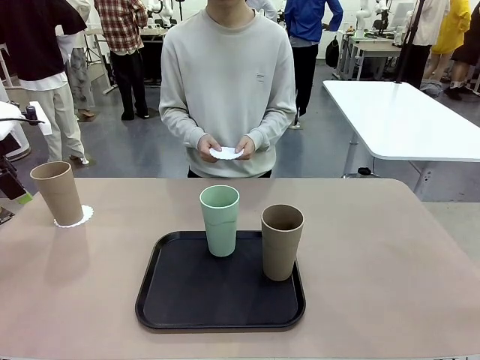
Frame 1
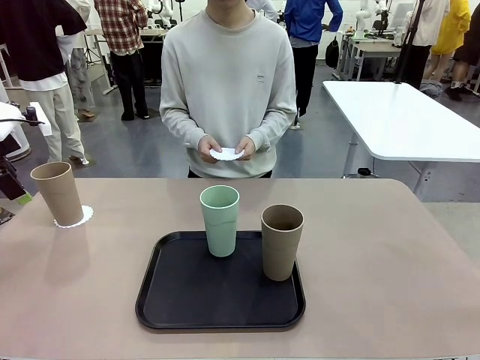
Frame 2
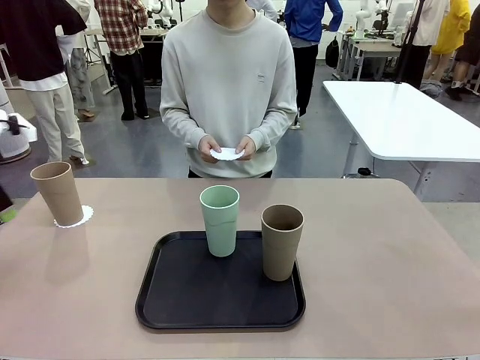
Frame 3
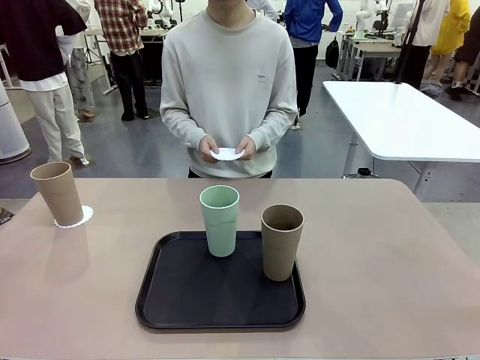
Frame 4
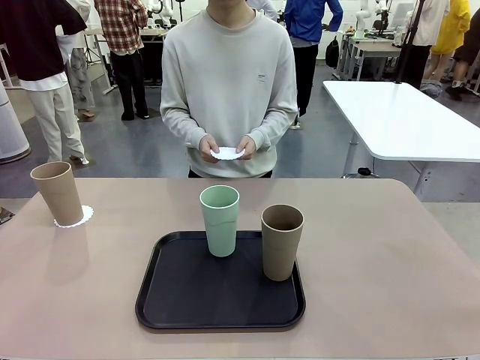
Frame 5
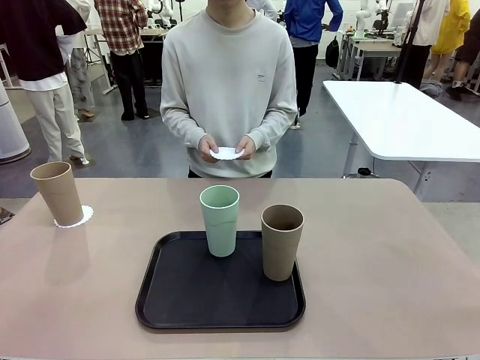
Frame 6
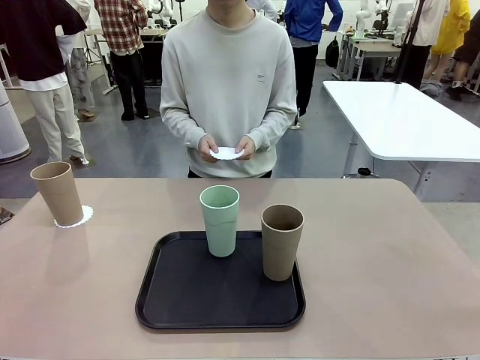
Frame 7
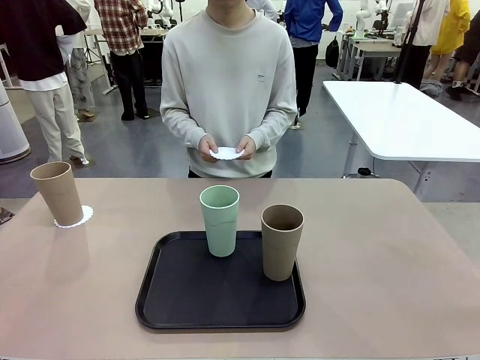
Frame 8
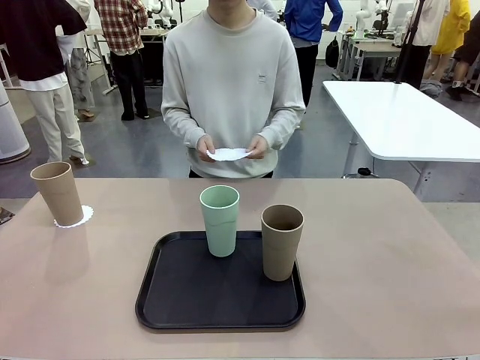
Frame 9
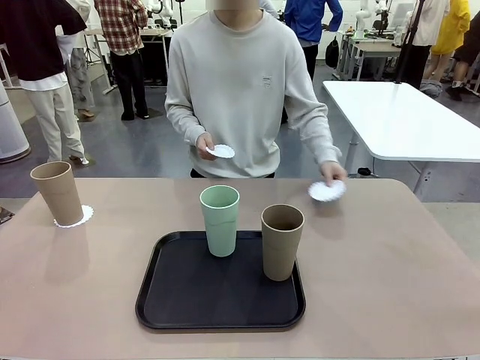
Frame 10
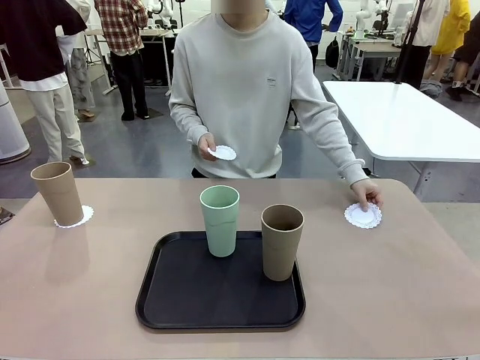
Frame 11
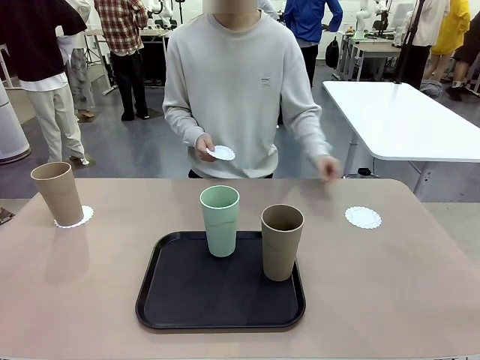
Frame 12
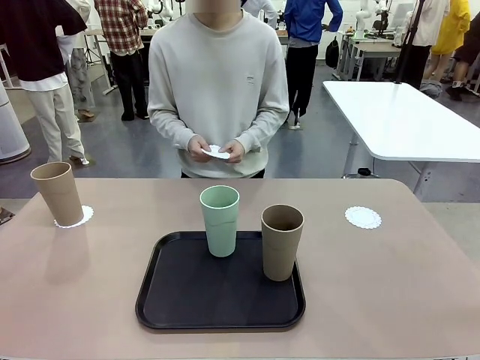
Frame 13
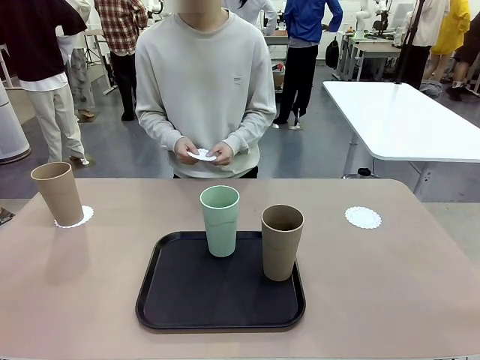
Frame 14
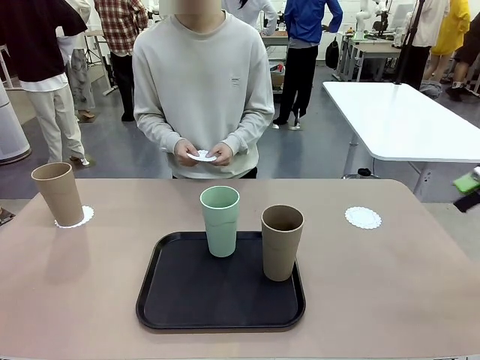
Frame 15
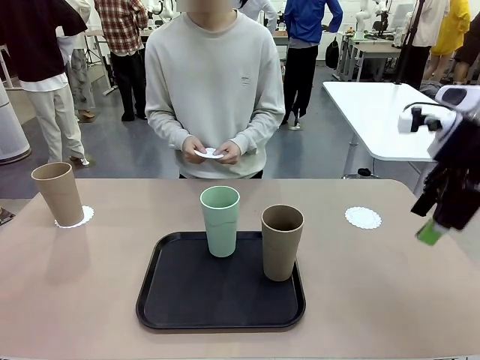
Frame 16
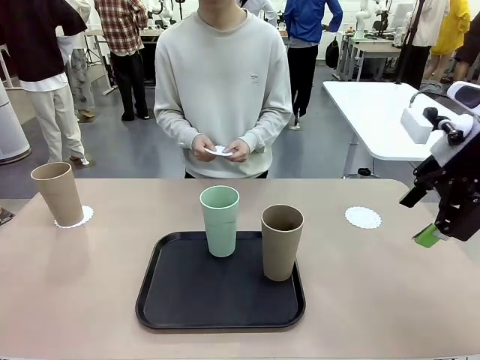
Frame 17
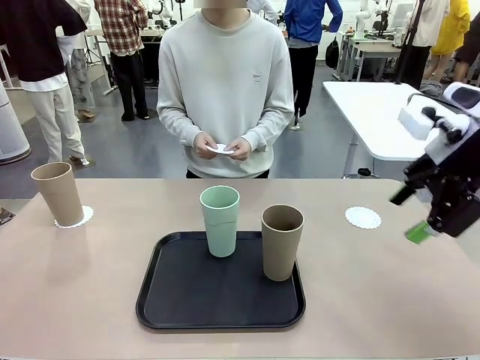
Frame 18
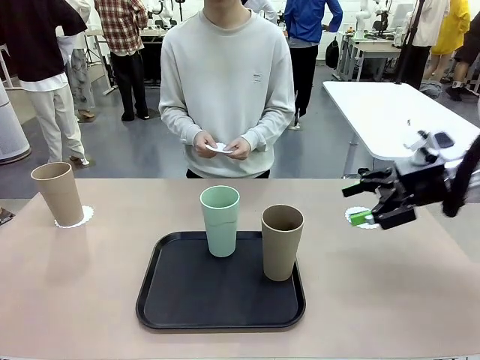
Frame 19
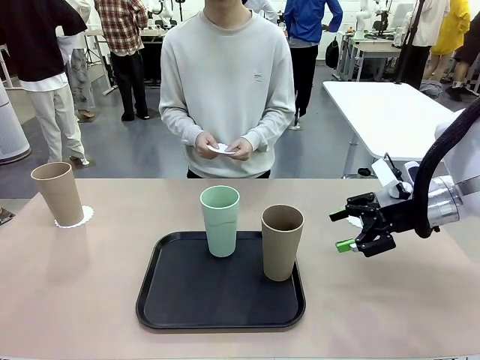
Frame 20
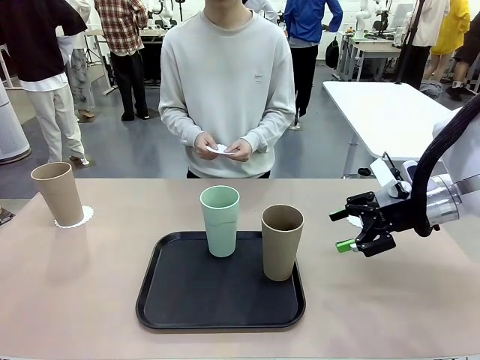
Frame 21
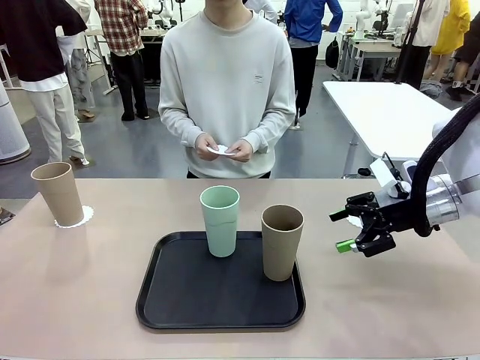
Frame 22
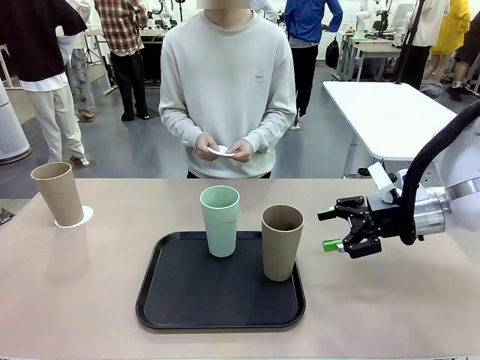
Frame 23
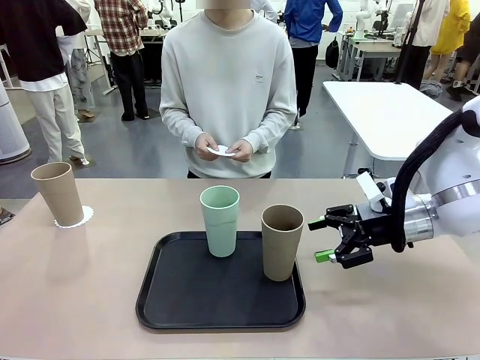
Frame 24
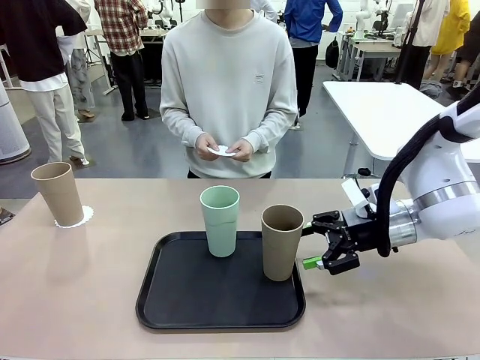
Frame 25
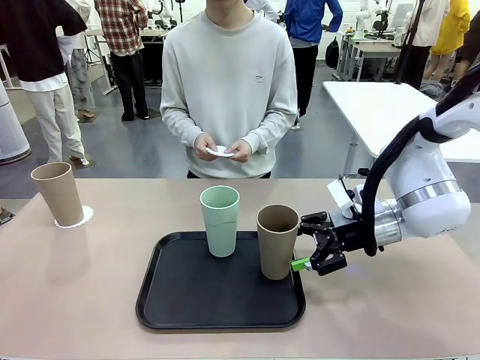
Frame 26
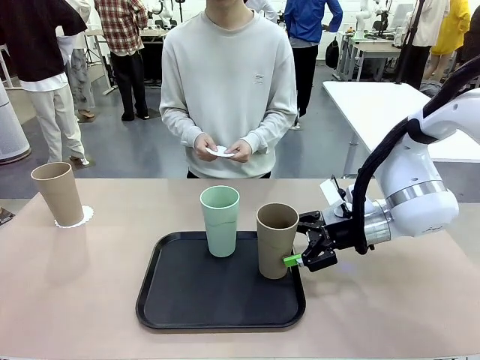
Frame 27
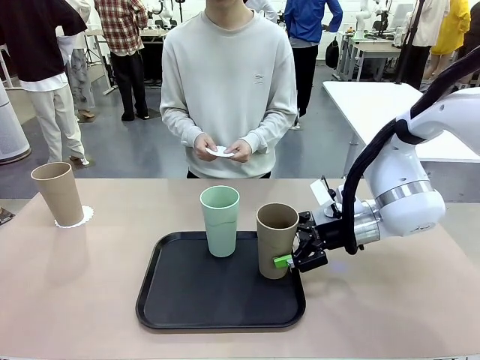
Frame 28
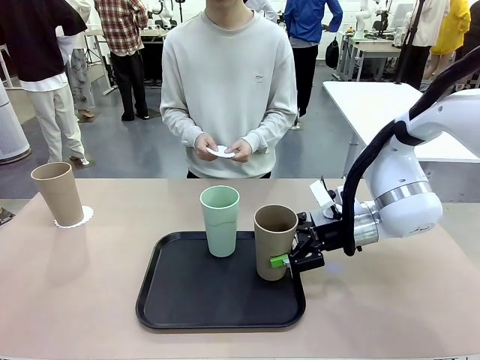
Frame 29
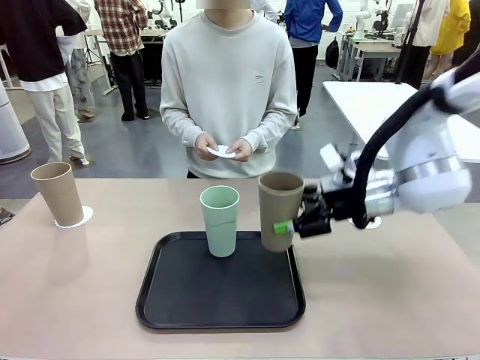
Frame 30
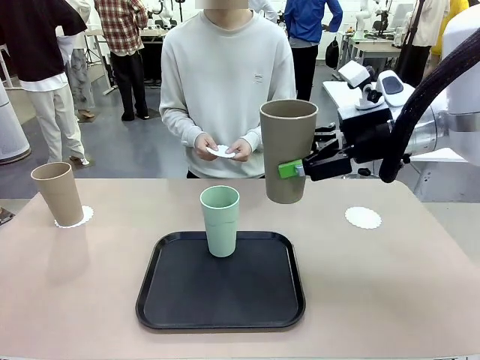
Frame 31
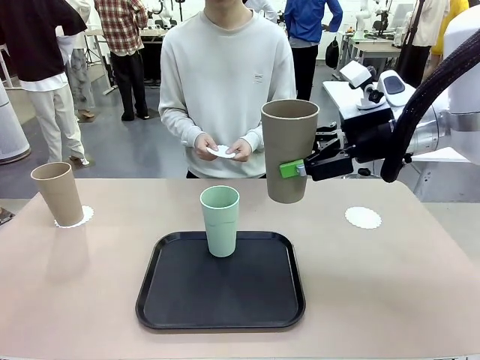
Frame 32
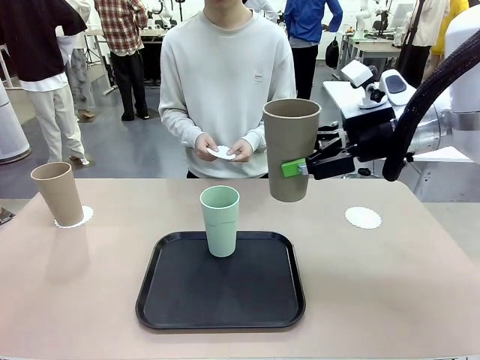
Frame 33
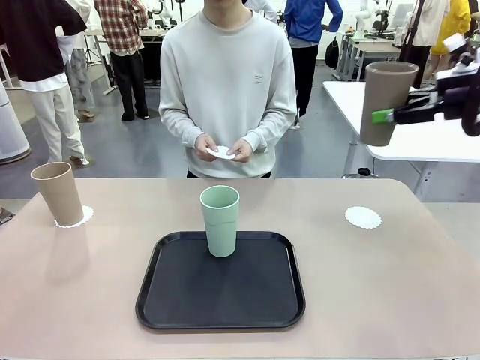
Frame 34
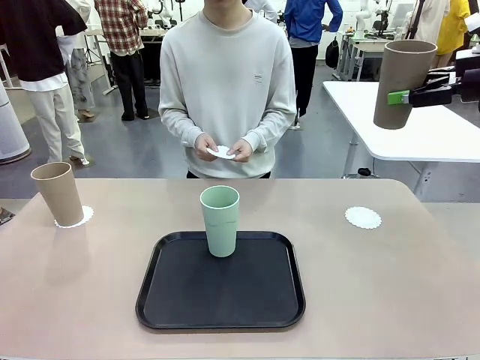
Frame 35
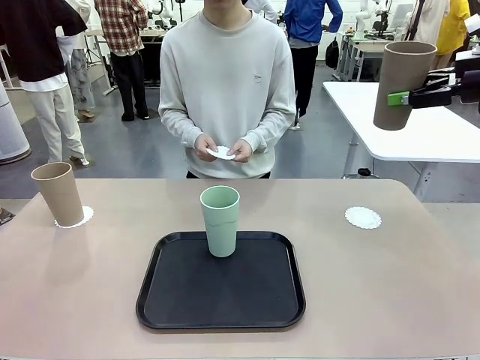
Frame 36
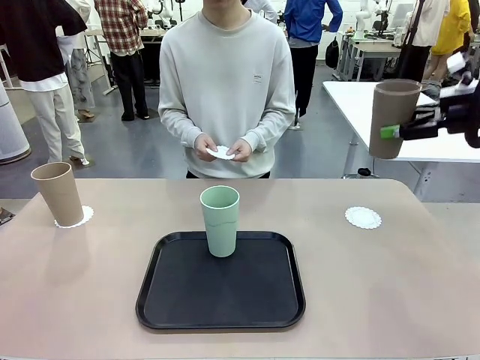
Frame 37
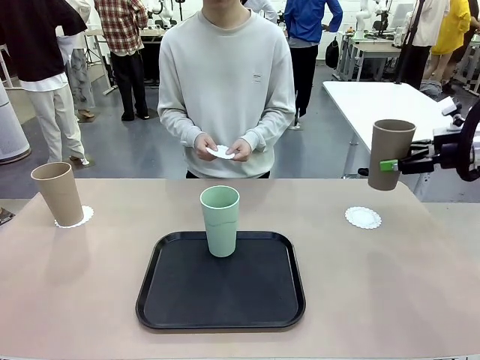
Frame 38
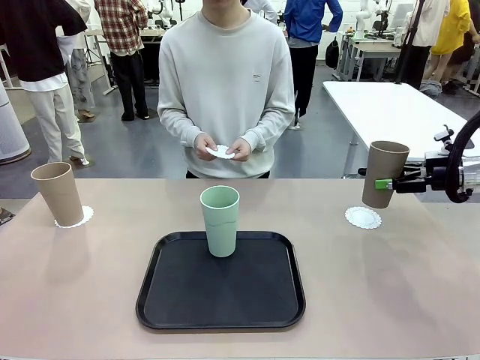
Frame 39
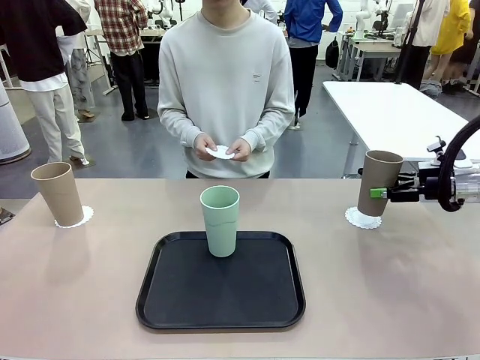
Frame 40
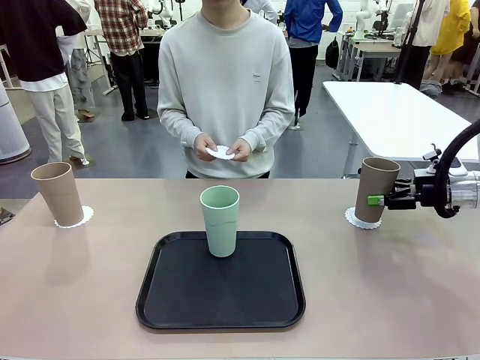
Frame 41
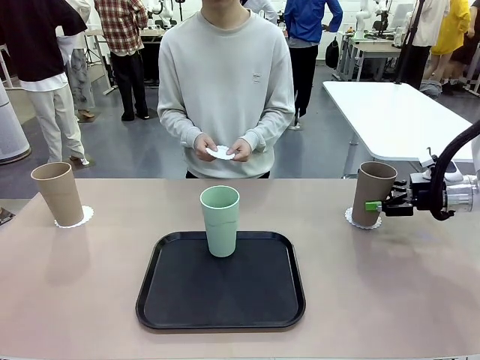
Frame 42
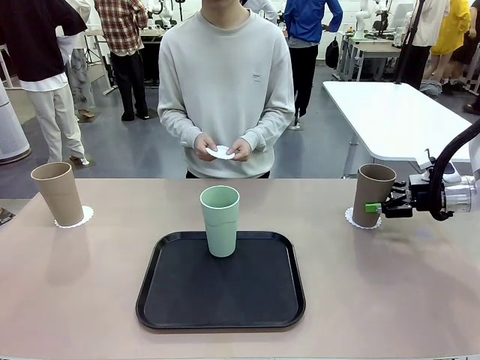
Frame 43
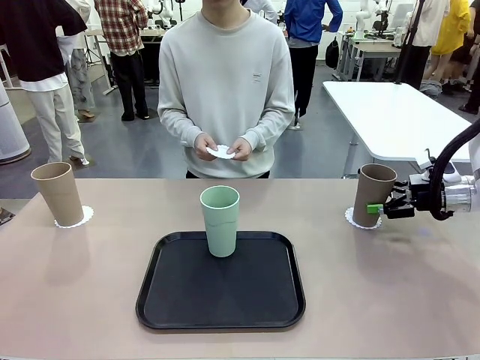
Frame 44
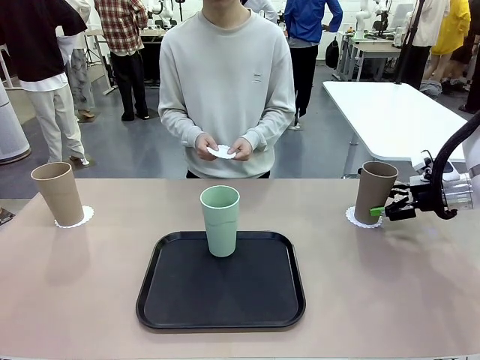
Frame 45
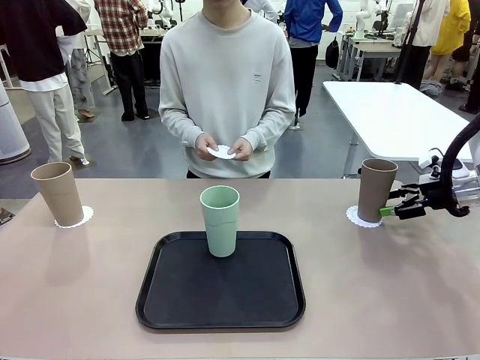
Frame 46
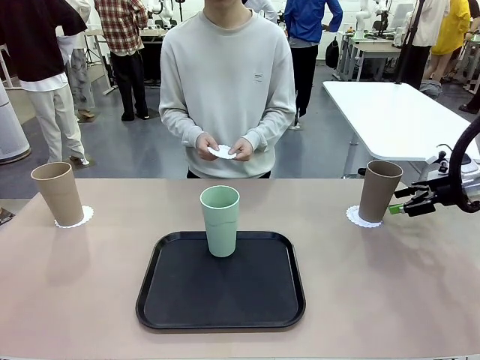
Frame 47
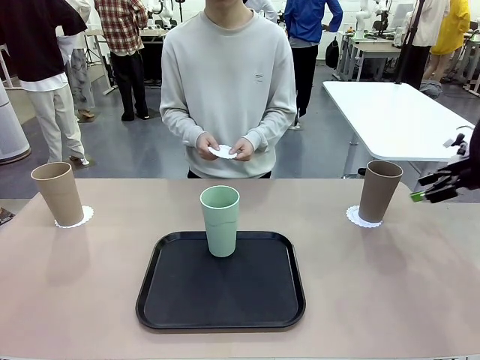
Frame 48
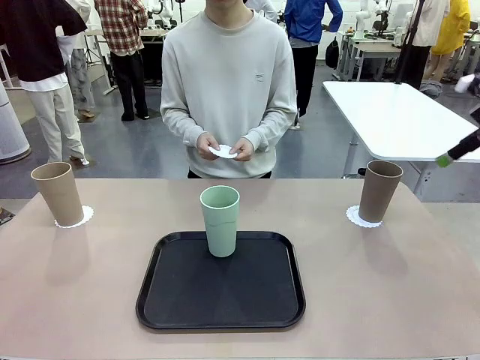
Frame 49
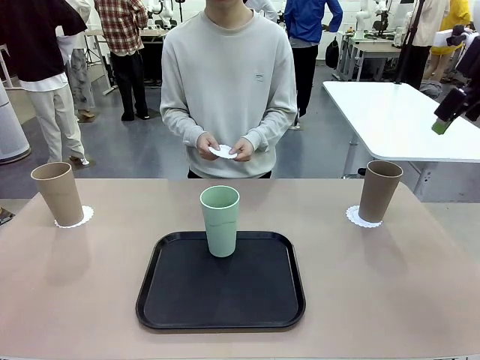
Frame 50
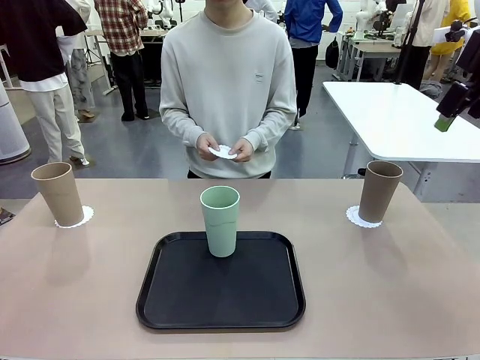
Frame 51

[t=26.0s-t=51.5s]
Task: Place coasters on the table and set cups on them.
Robot: Take one Reusable plastic cup from the Flat Tray and place it on a coaster set by the human.
